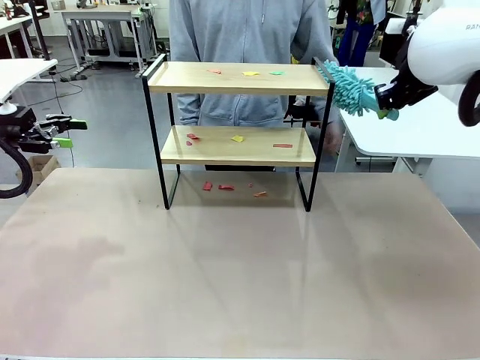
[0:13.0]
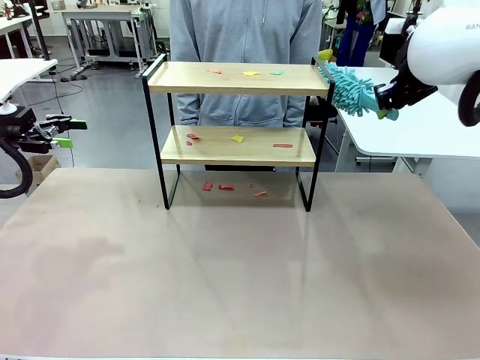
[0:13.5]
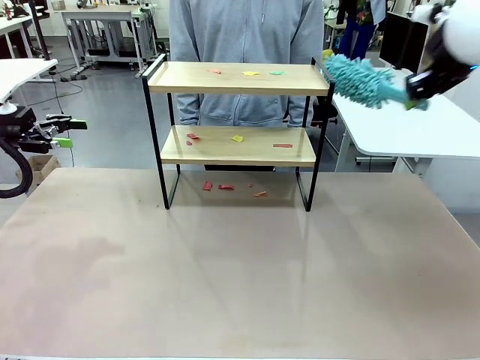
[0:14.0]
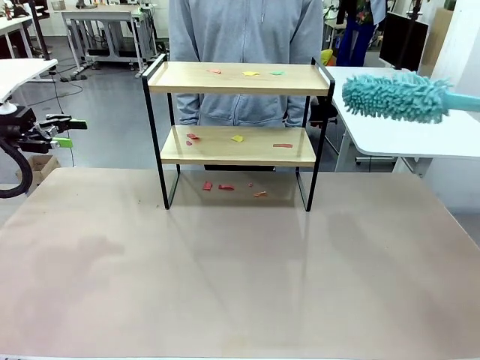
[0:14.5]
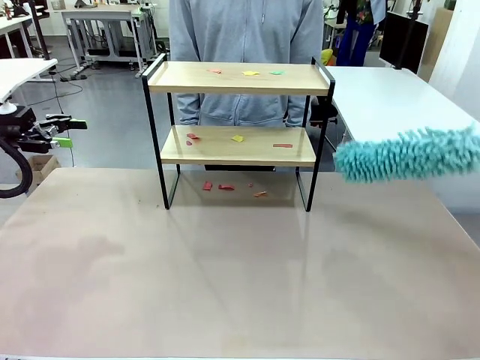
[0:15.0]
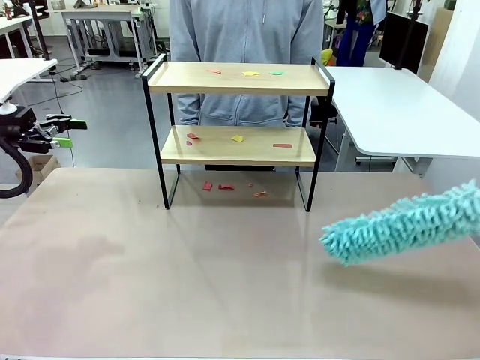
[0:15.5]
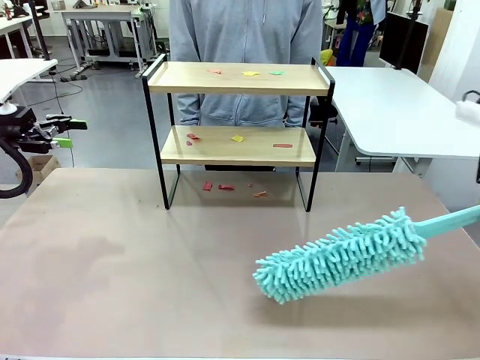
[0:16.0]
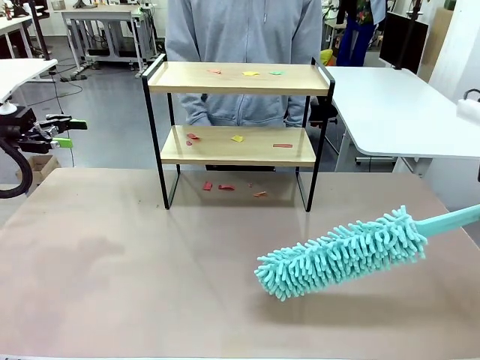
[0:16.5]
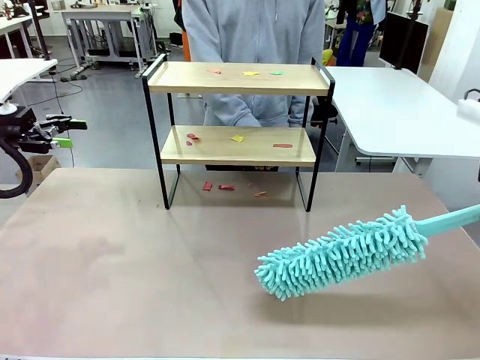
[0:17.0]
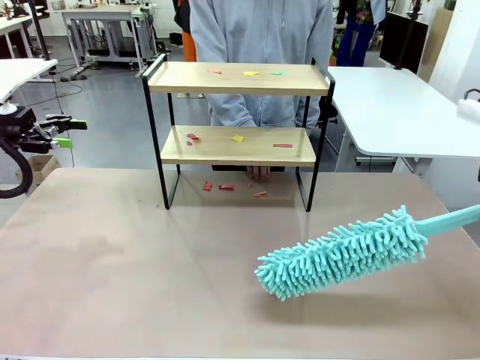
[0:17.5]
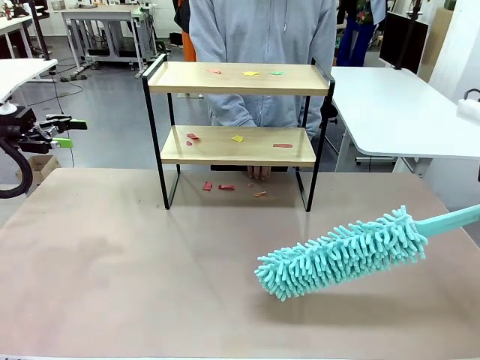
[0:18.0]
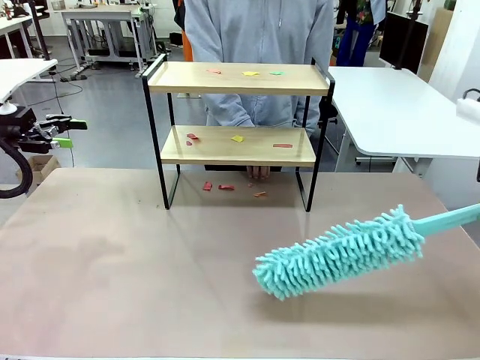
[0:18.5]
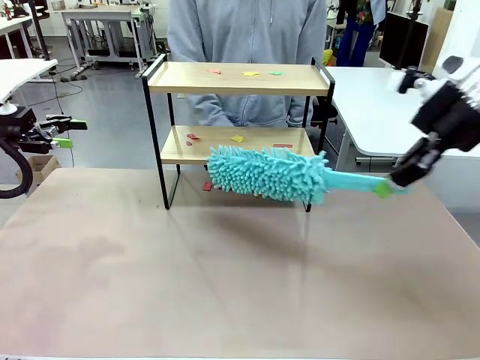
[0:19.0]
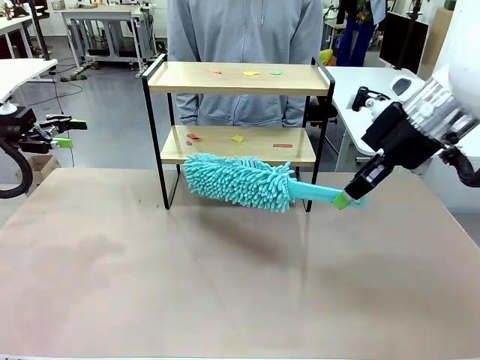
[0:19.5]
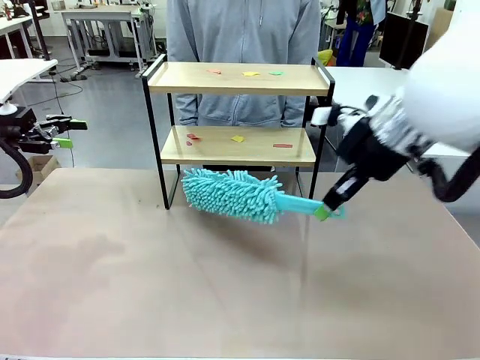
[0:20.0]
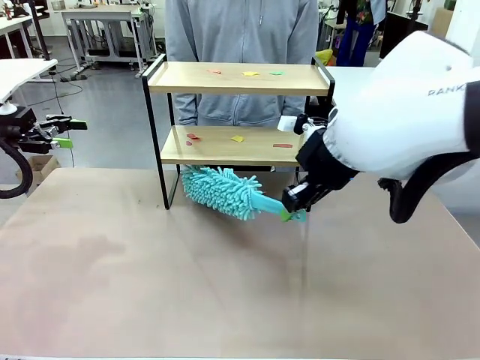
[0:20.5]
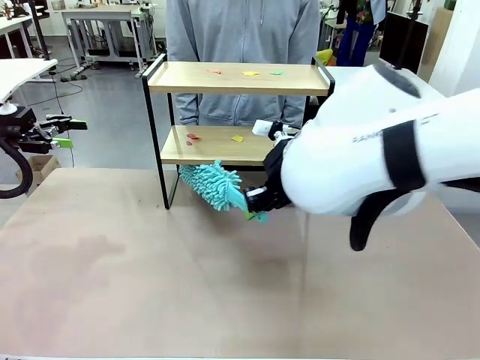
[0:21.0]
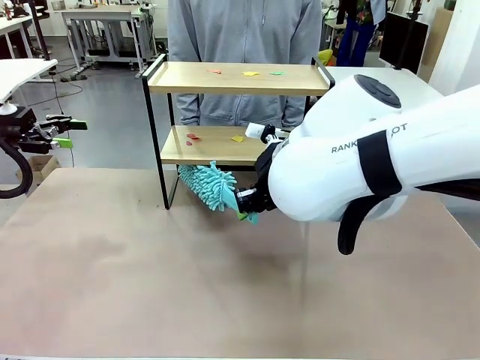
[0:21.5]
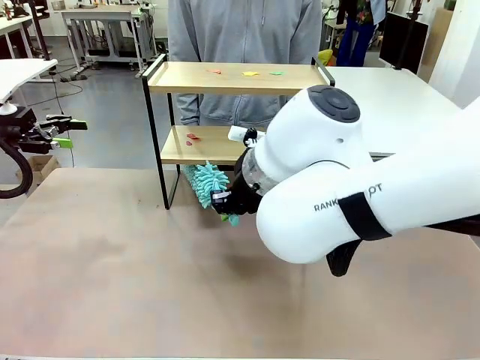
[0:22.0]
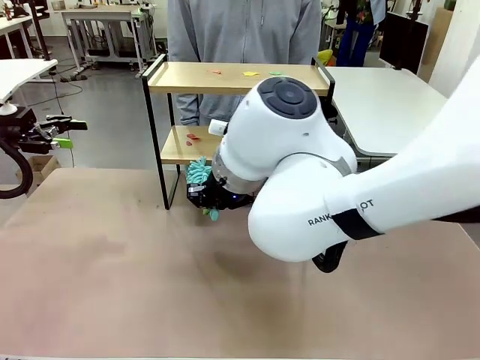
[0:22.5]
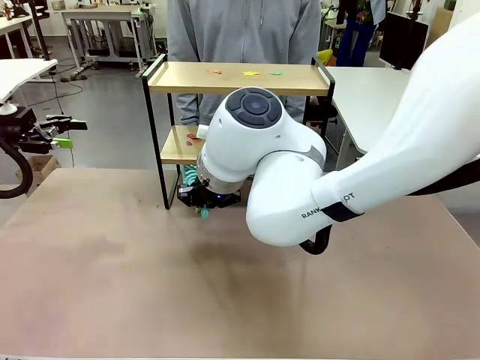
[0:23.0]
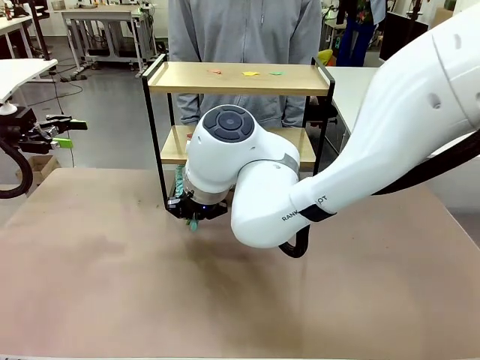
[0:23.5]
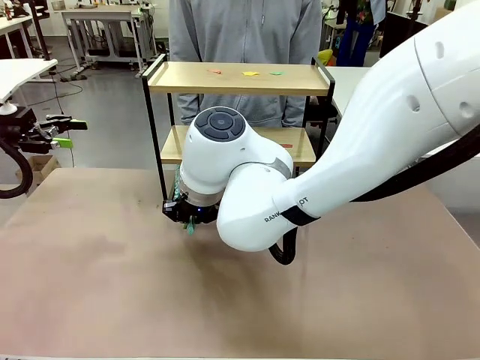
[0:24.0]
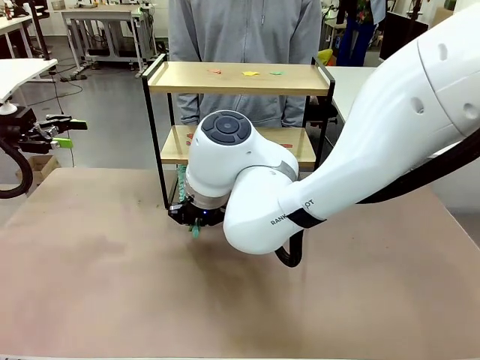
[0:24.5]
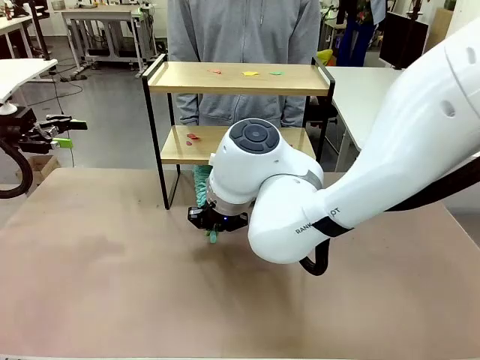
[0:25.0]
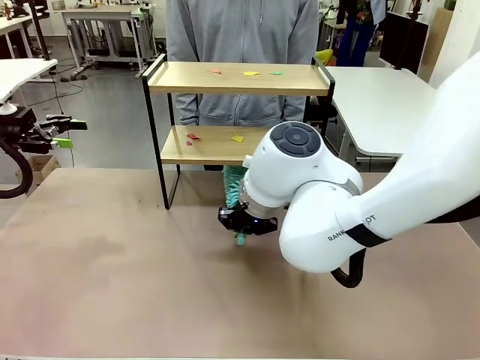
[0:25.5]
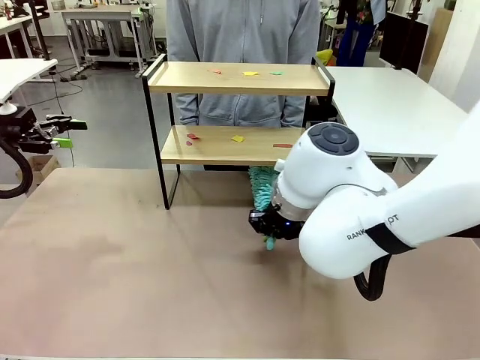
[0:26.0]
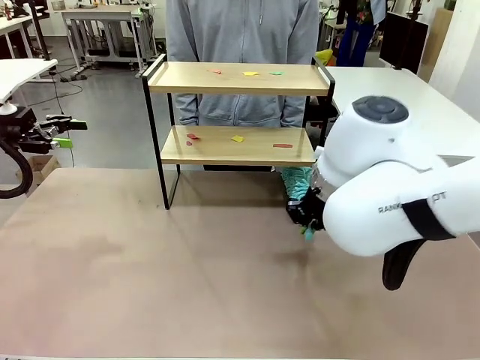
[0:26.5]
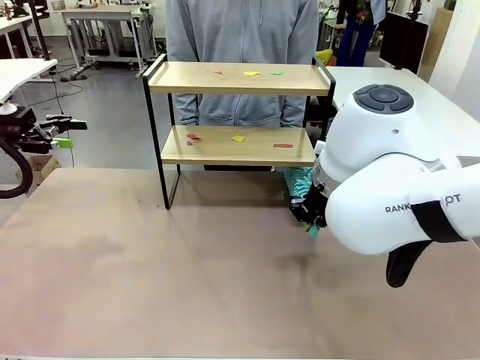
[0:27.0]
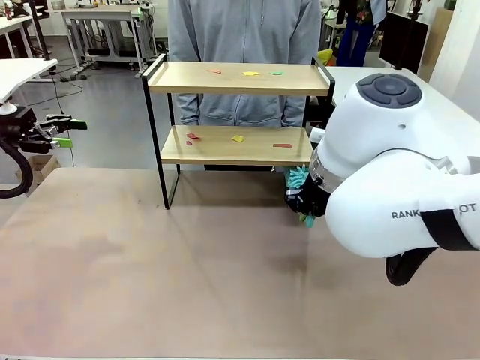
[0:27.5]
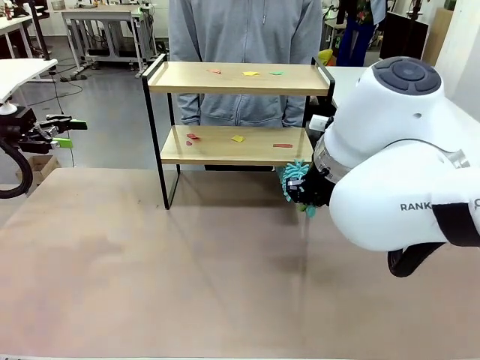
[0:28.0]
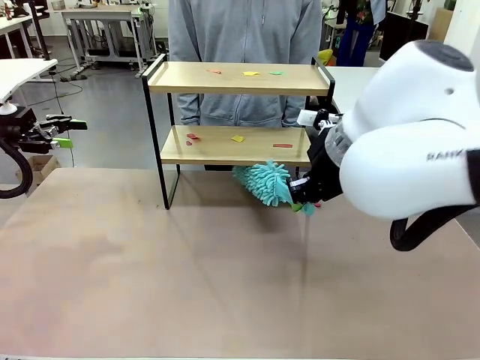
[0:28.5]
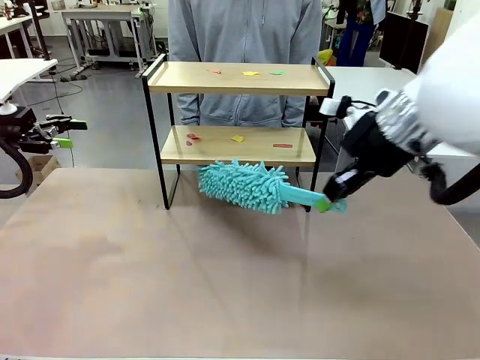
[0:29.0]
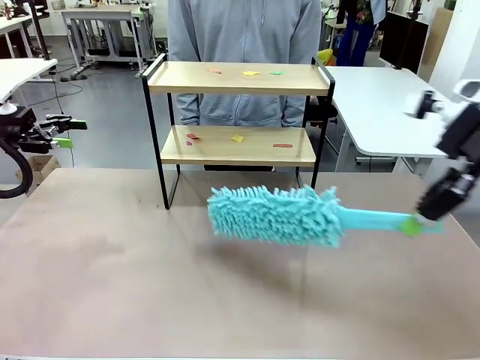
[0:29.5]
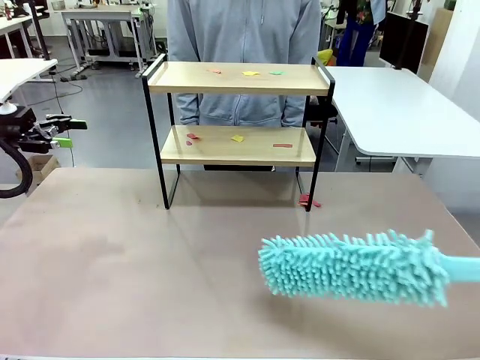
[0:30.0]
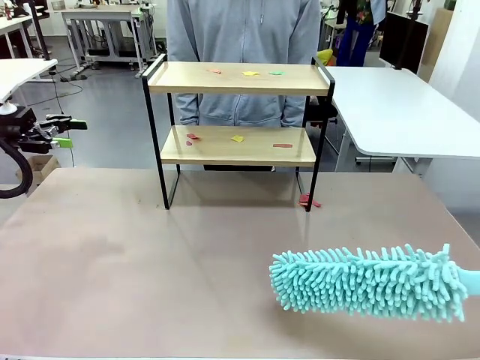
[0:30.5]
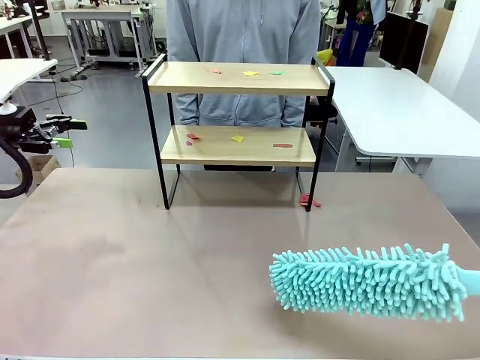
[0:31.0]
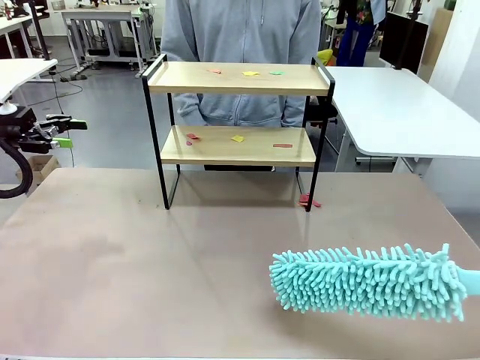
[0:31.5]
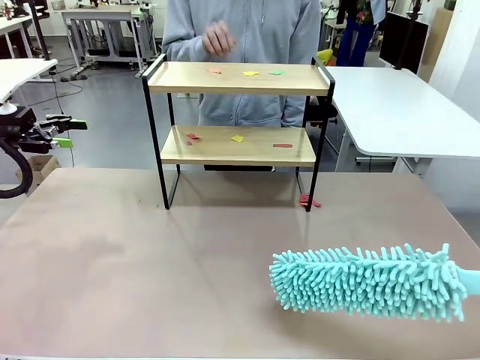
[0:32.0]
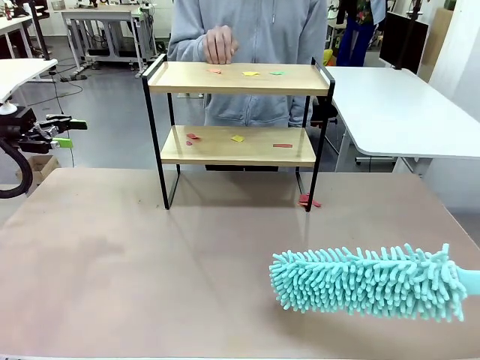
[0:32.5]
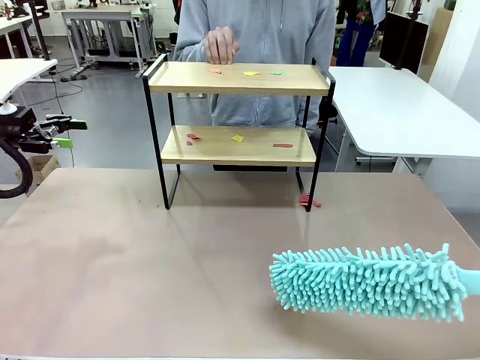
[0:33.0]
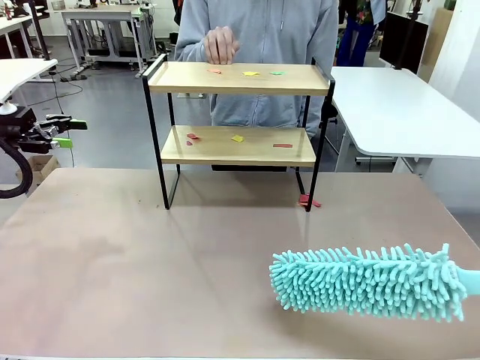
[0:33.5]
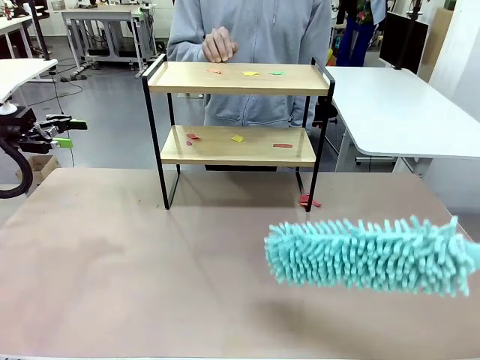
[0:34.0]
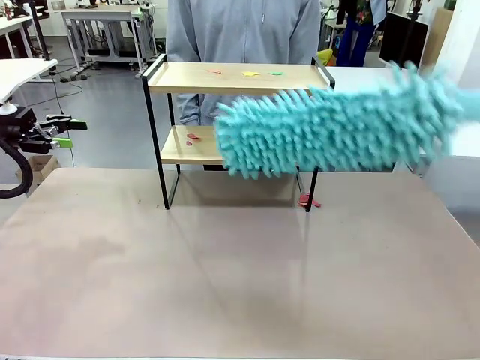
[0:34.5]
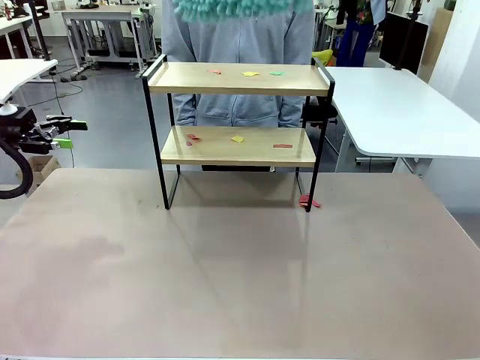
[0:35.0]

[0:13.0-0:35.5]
Task: Clean the shelf.
Robot: Clean the specific section of the Shelf indicated by the human with the Duster.
Person: Point a random section of the Shelf.
